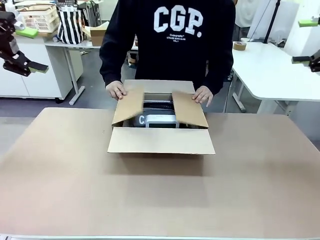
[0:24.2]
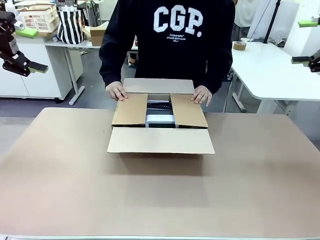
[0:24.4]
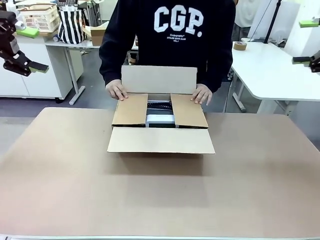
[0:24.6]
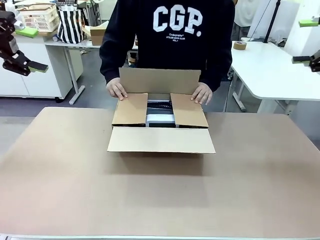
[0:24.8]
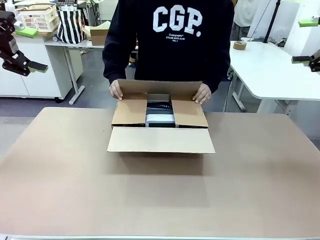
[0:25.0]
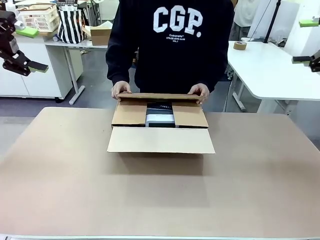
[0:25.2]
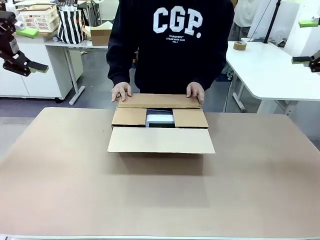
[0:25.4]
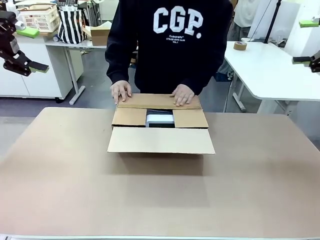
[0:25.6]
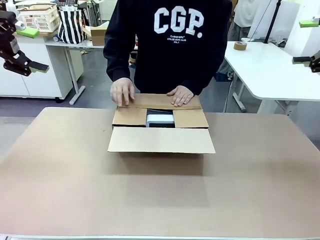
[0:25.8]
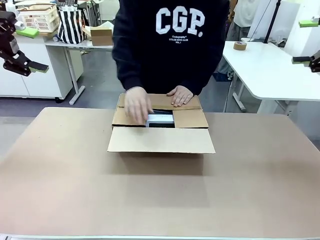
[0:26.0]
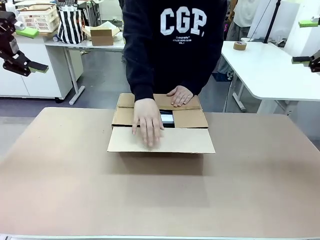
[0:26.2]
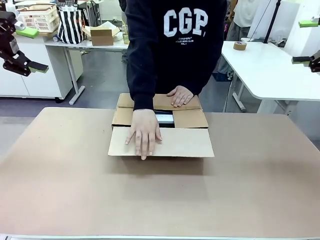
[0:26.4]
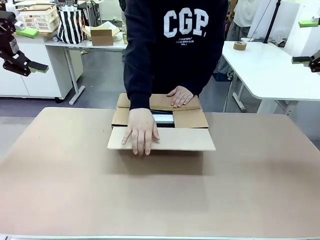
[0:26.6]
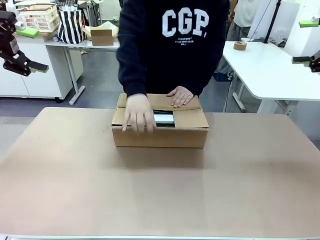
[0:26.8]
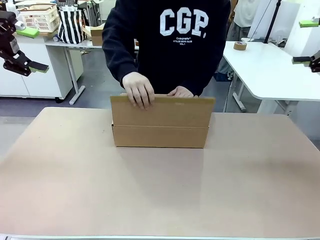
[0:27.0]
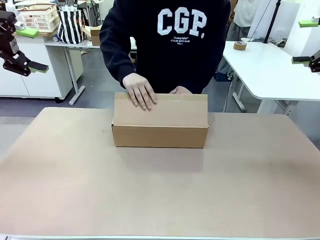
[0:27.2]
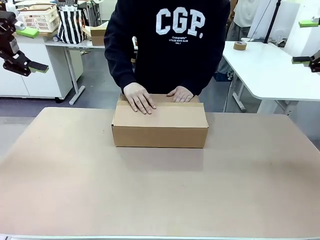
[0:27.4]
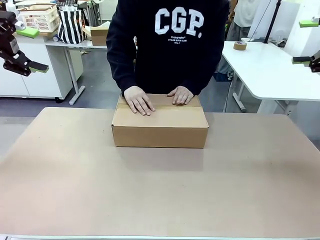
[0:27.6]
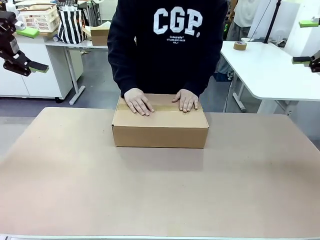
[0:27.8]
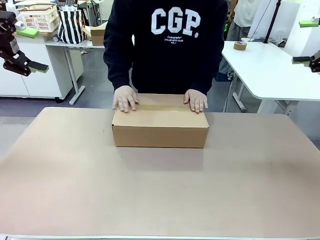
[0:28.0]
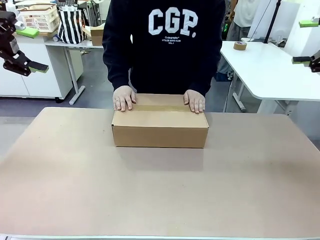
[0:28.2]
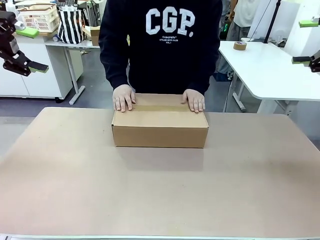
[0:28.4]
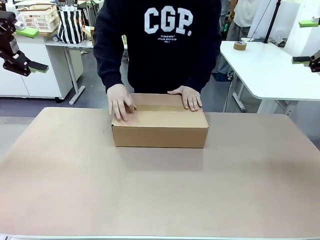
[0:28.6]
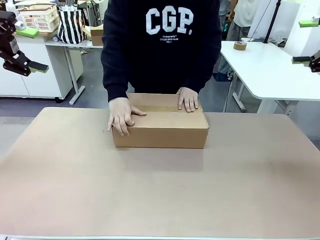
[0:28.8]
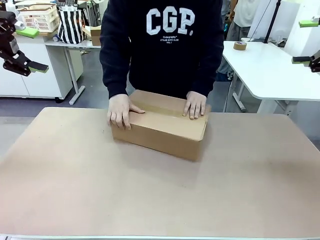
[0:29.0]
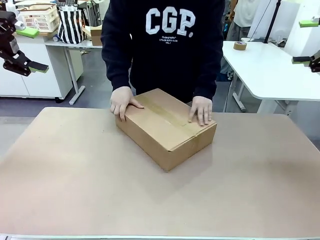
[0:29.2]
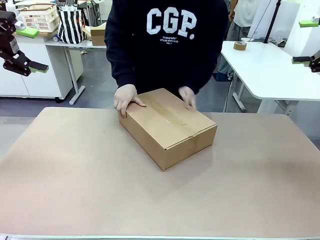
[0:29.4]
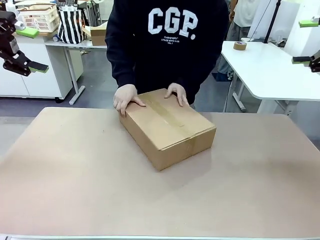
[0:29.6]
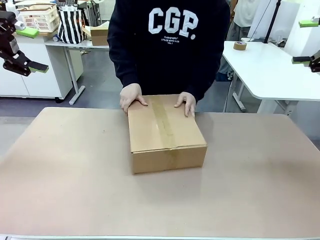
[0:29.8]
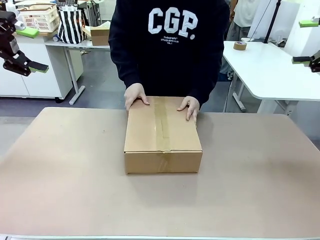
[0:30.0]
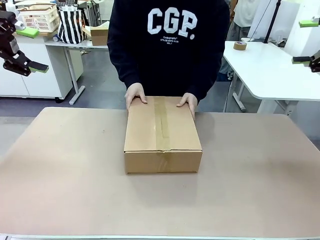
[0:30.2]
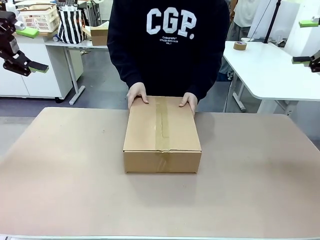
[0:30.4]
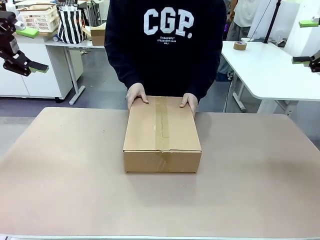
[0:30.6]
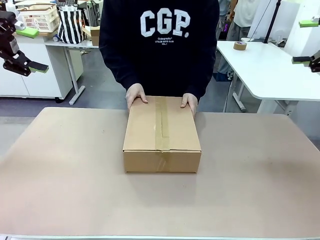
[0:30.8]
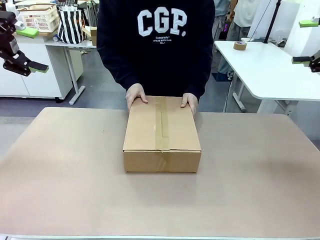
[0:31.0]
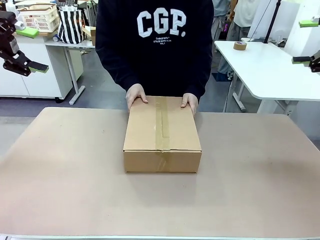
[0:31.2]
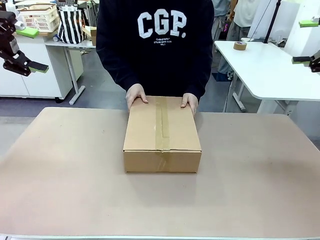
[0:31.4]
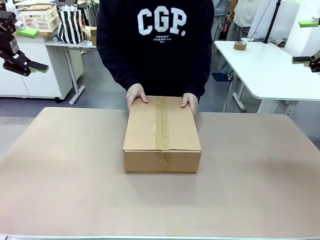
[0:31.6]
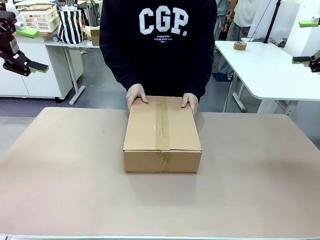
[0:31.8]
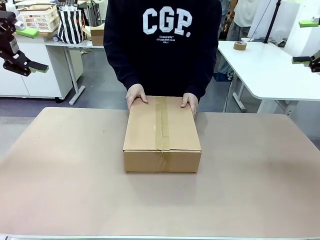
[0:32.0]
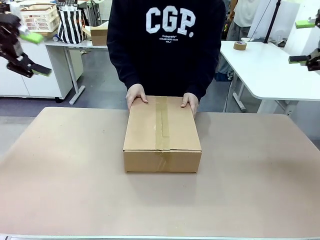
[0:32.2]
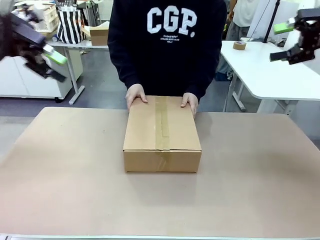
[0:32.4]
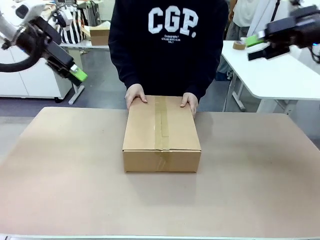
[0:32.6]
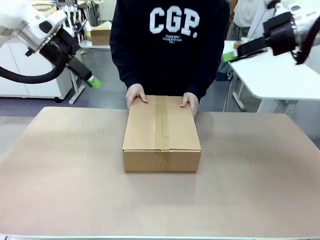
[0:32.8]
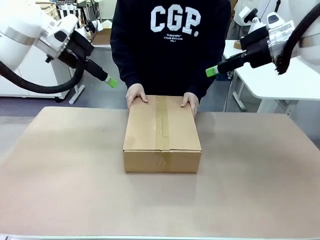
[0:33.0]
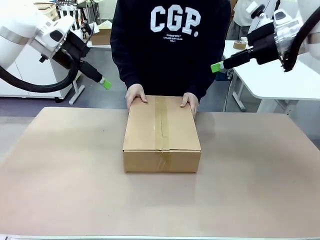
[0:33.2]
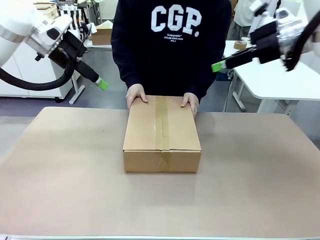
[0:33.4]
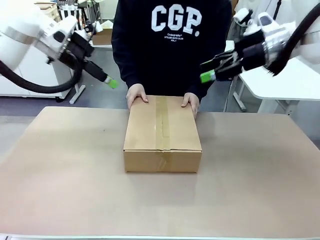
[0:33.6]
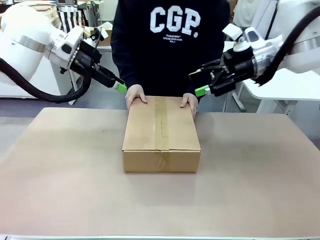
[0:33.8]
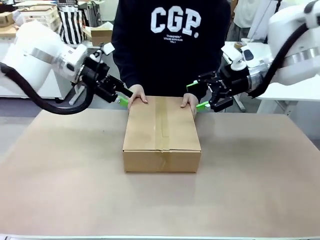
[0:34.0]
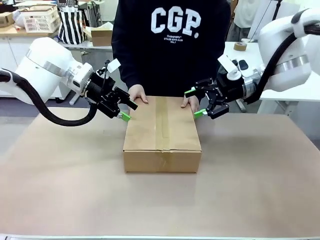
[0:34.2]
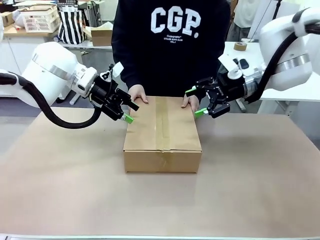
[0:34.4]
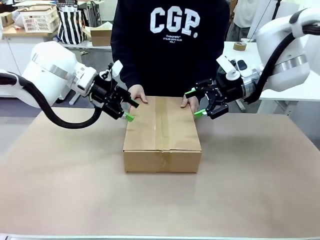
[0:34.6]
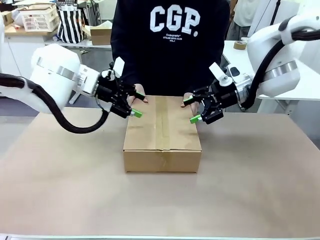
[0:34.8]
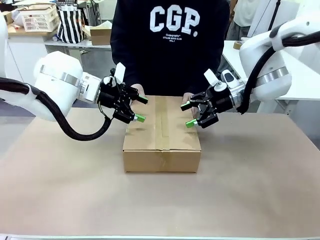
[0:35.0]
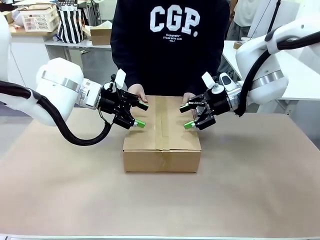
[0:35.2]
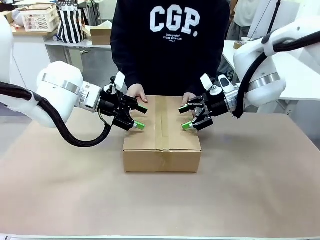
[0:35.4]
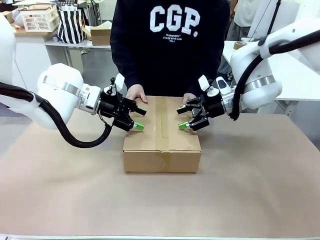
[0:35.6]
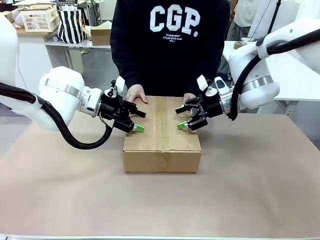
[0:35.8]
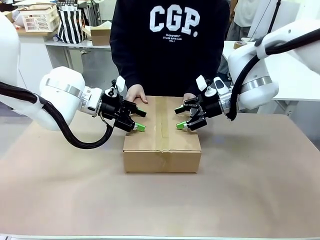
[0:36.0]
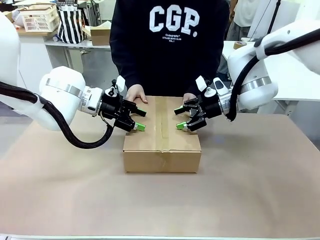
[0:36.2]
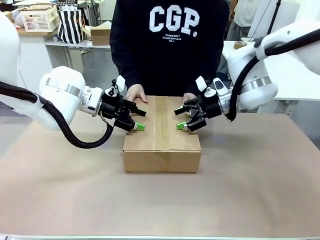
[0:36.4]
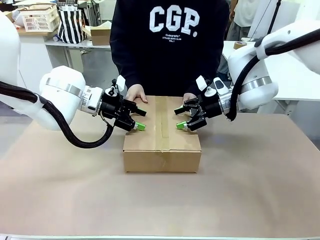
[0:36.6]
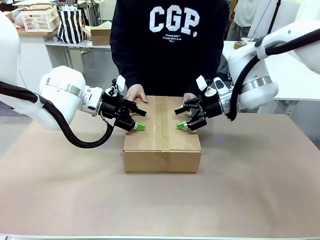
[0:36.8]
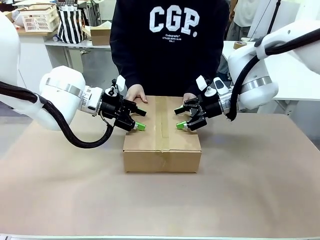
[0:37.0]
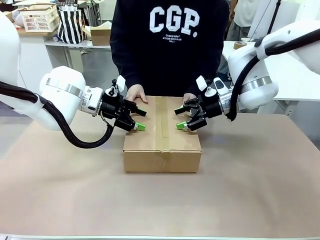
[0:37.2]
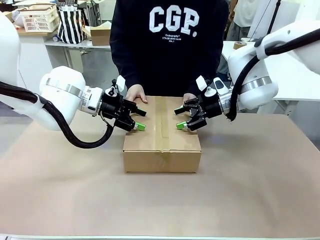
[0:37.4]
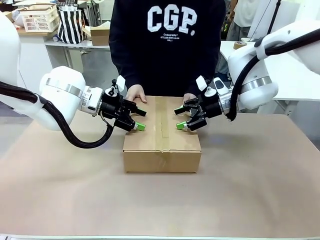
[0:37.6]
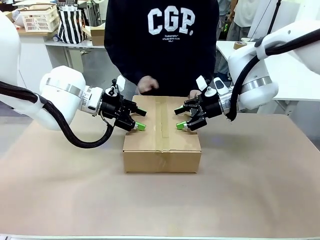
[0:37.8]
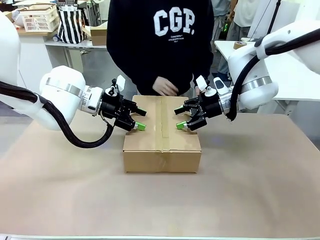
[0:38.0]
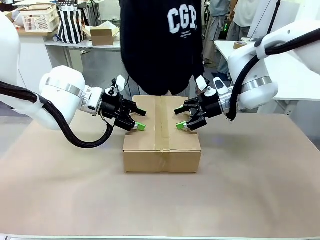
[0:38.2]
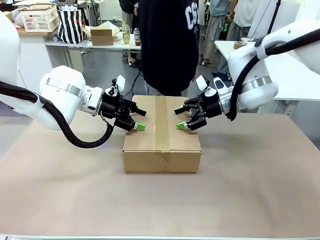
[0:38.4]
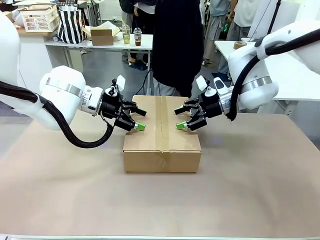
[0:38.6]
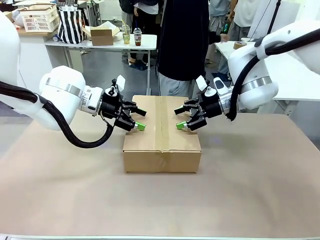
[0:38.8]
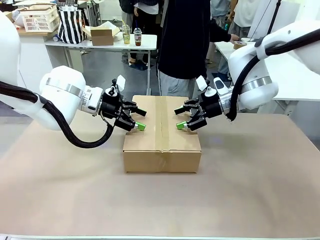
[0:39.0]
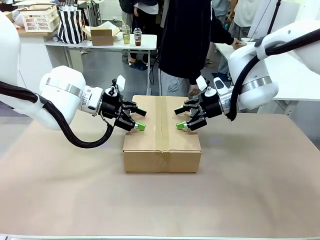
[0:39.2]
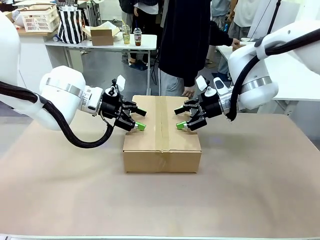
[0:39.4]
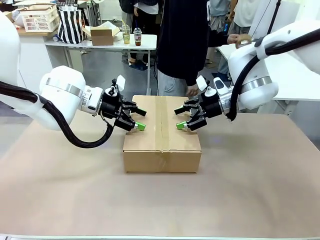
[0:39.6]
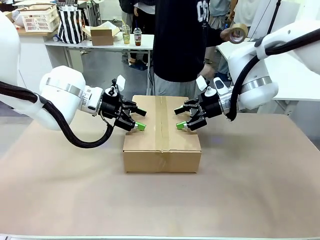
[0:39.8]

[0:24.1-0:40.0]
Task: Pack the gift set into the box.
Robot: Press and hold the closed box until the human finishes sealing it.
Person: The human closes the box and rotates the box by 90 degrees.

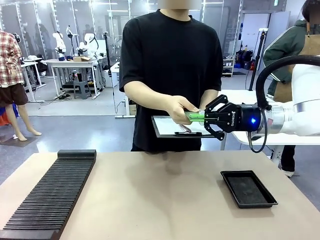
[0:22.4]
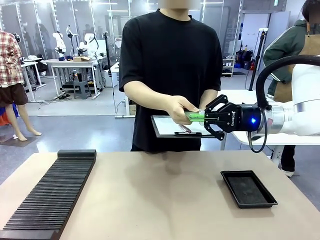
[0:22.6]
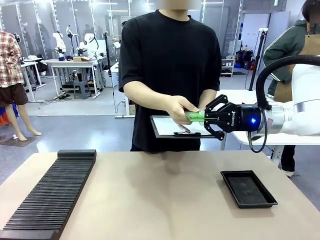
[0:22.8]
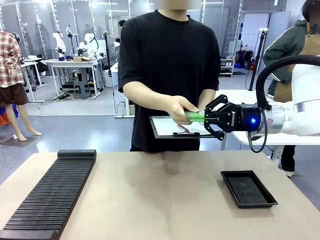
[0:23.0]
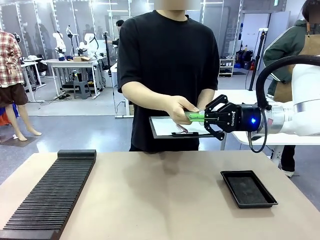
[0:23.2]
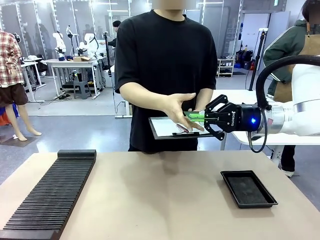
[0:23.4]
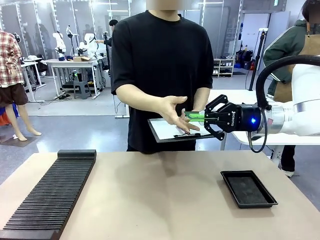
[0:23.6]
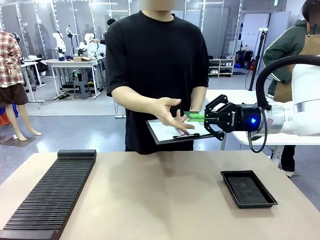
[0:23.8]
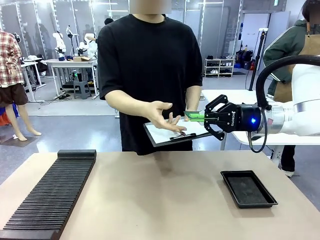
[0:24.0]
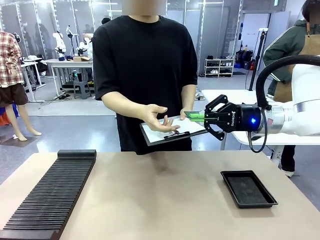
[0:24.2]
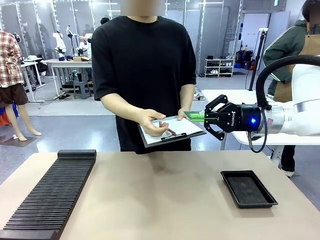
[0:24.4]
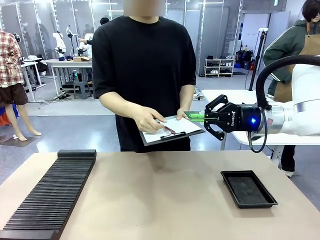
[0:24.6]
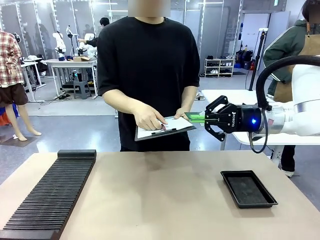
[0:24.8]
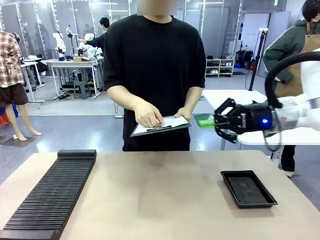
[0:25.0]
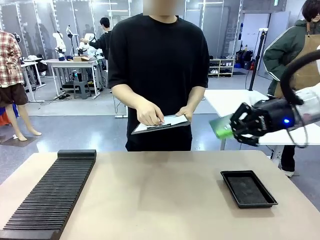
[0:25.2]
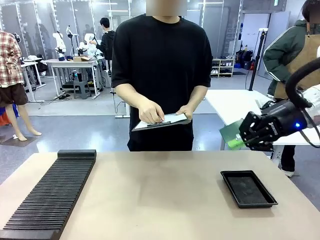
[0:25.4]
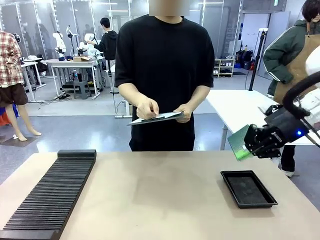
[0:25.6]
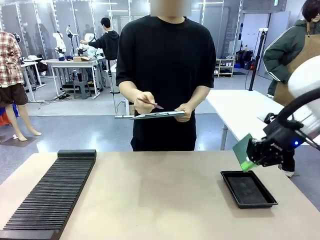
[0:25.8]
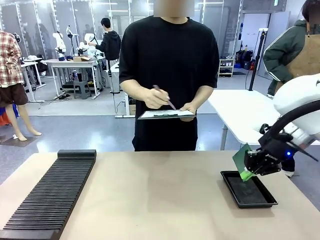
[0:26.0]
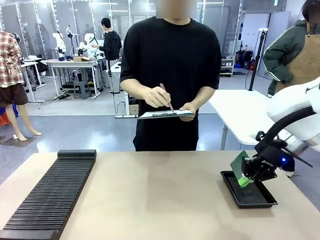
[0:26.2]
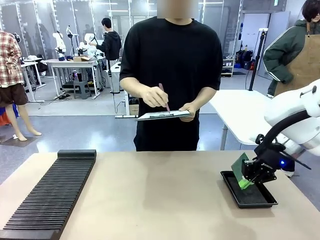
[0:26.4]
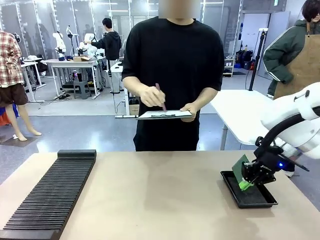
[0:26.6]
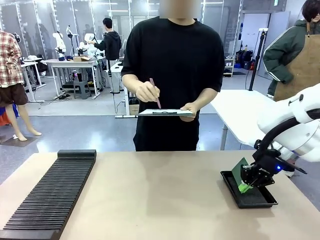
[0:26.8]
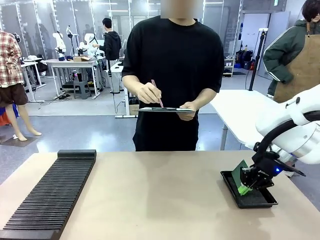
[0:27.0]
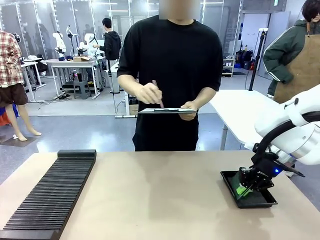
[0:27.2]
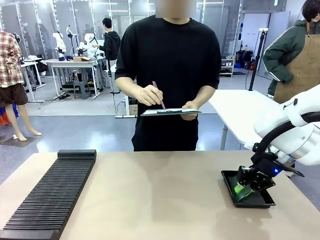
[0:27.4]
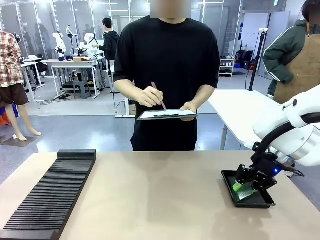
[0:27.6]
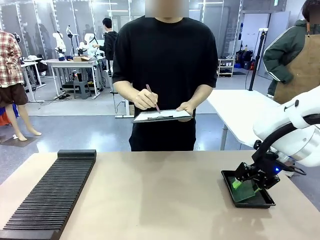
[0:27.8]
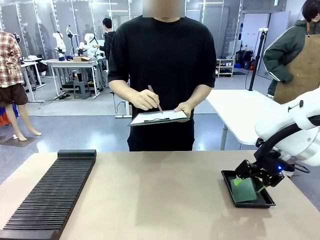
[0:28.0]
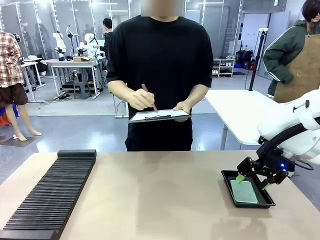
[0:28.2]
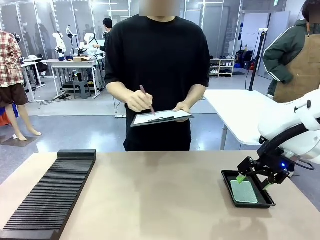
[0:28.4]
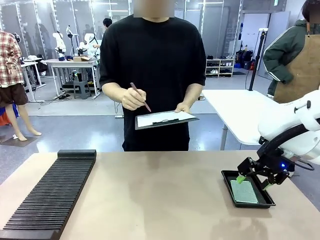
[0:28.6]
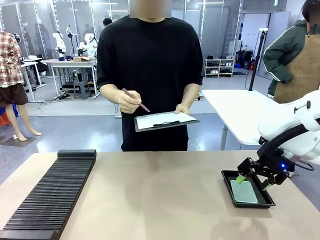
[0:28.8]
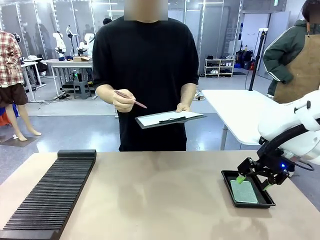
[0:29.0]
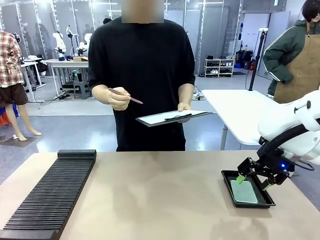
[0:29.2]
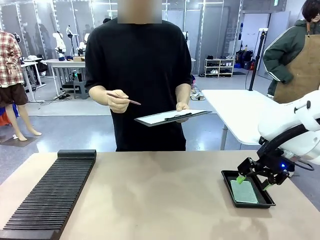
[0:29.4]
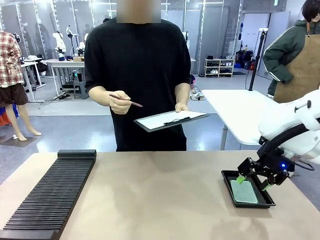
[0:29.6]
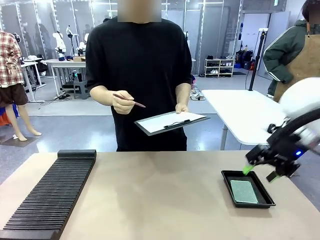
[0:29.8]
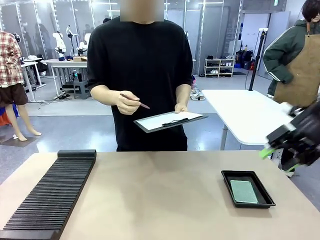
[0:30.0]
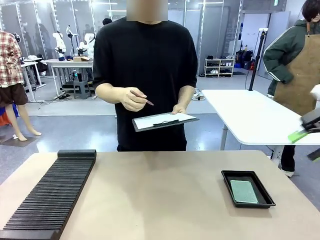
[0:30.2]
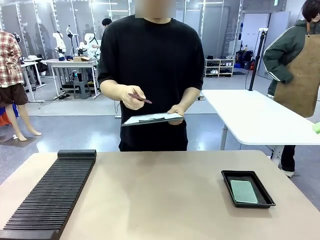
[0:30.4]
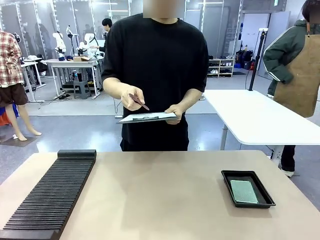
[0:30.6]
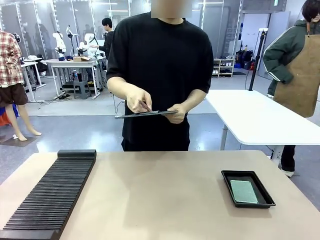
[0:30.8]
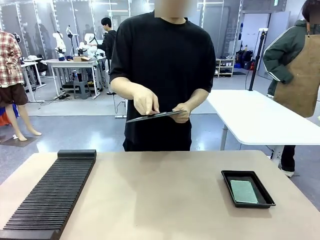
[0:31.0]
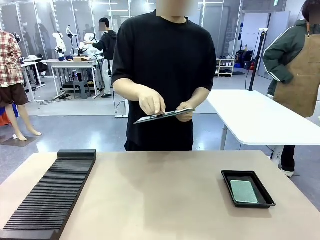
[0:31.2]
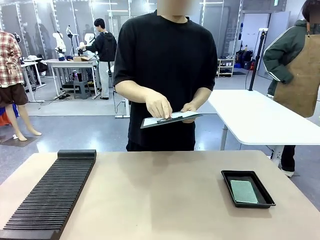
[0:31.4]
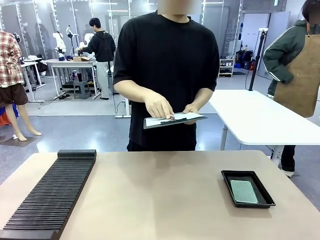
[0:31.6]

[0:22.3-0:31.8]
Task: Inspect the PCB.
Robot: Place the Blank PCB in the ESD tray.
Person: Record the PCB status on the paper.
